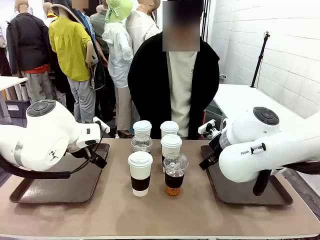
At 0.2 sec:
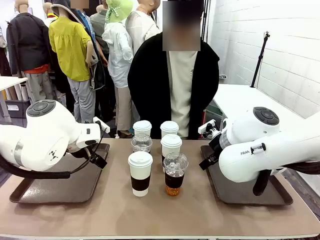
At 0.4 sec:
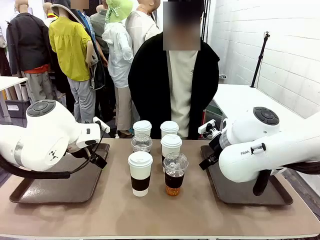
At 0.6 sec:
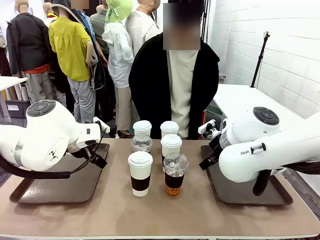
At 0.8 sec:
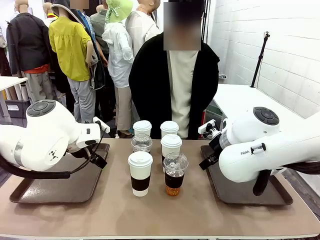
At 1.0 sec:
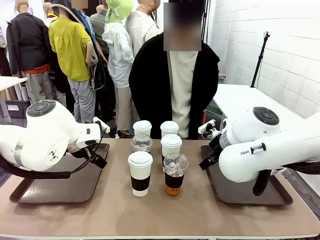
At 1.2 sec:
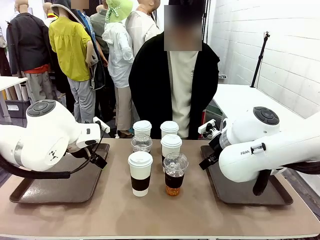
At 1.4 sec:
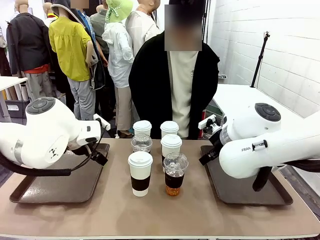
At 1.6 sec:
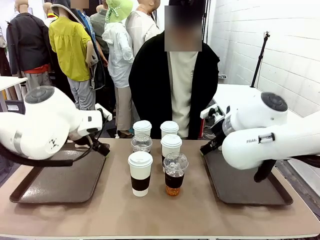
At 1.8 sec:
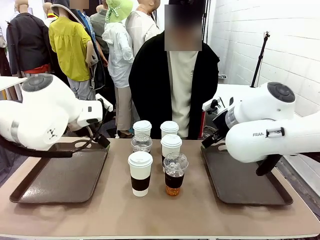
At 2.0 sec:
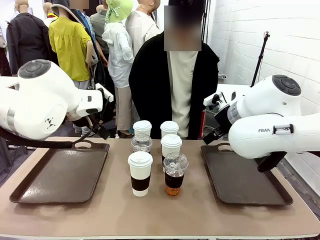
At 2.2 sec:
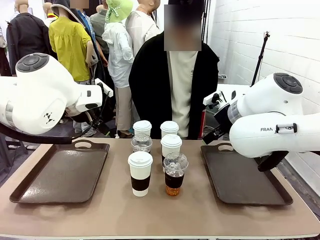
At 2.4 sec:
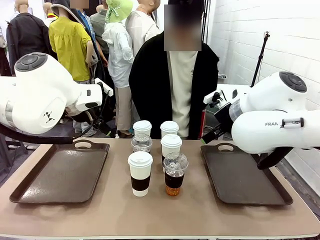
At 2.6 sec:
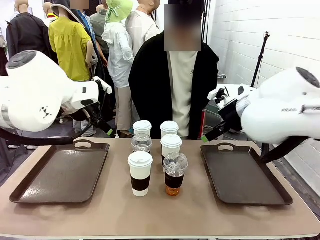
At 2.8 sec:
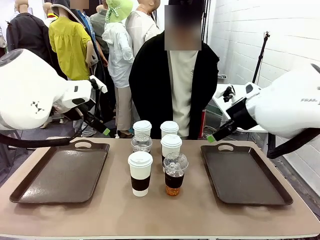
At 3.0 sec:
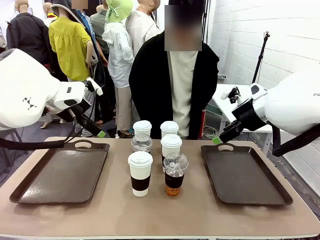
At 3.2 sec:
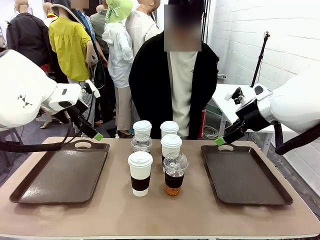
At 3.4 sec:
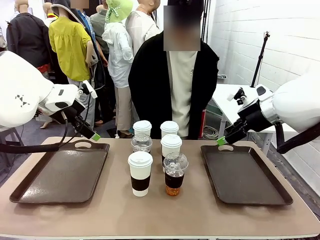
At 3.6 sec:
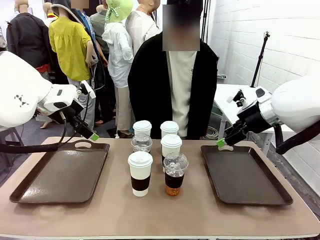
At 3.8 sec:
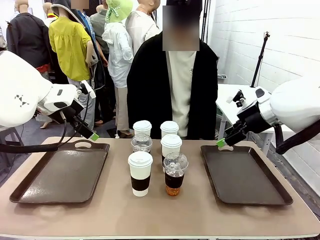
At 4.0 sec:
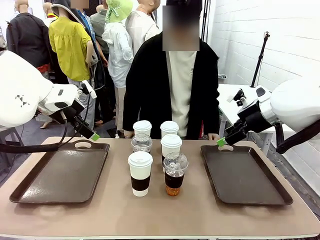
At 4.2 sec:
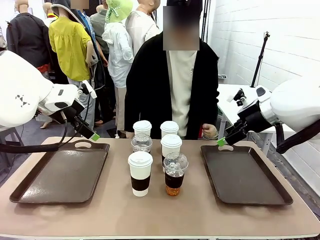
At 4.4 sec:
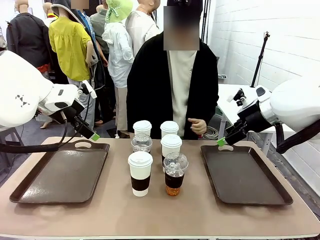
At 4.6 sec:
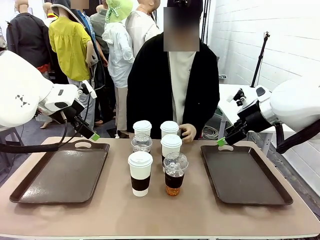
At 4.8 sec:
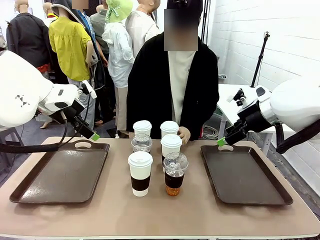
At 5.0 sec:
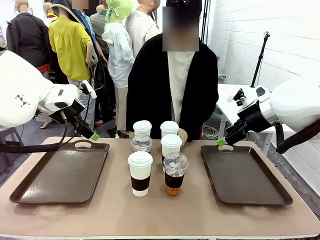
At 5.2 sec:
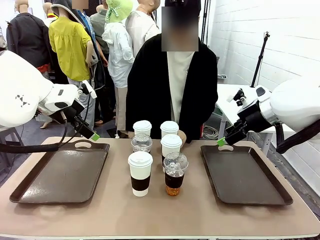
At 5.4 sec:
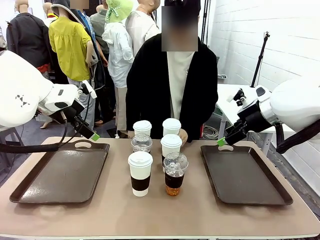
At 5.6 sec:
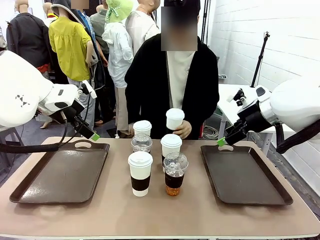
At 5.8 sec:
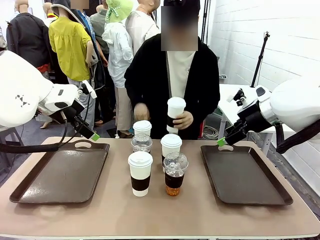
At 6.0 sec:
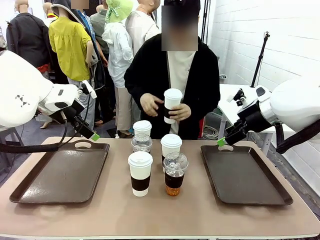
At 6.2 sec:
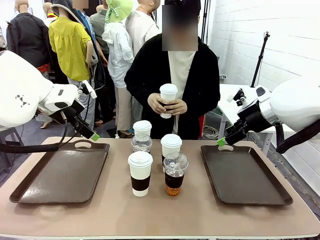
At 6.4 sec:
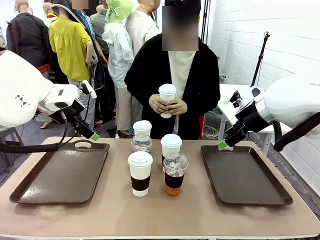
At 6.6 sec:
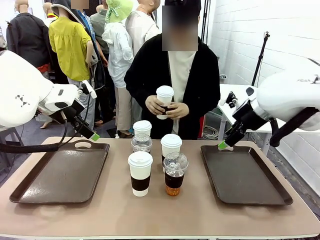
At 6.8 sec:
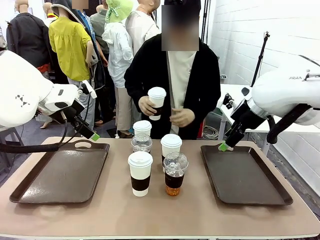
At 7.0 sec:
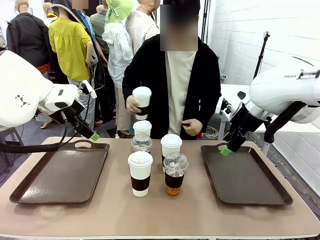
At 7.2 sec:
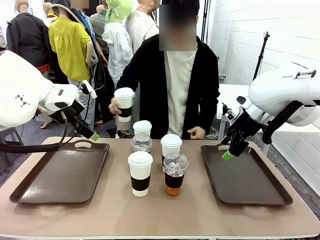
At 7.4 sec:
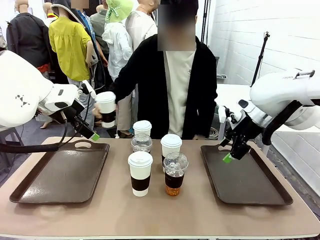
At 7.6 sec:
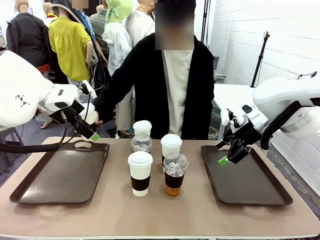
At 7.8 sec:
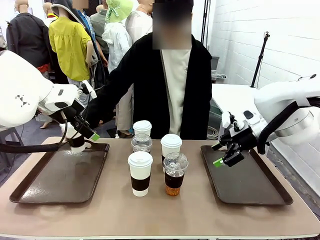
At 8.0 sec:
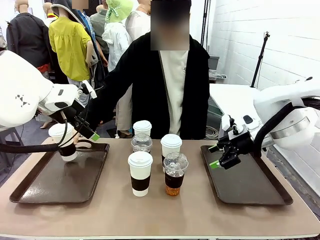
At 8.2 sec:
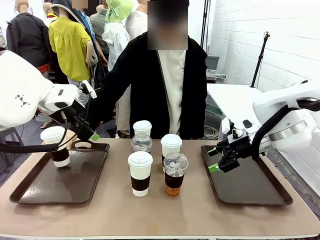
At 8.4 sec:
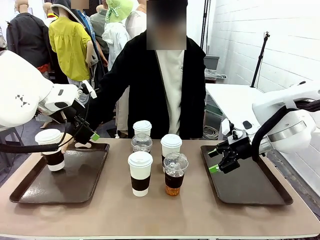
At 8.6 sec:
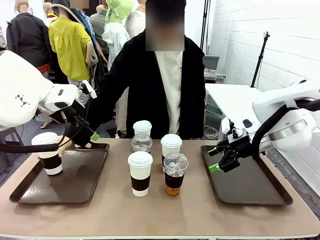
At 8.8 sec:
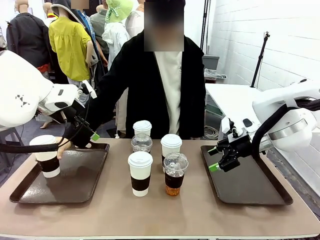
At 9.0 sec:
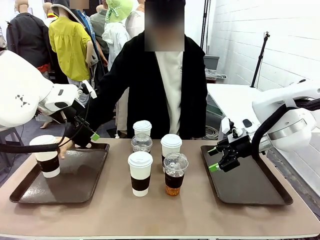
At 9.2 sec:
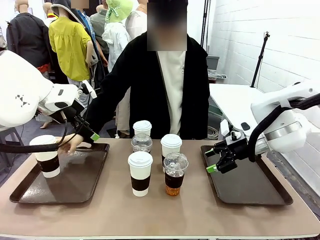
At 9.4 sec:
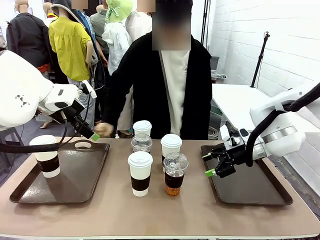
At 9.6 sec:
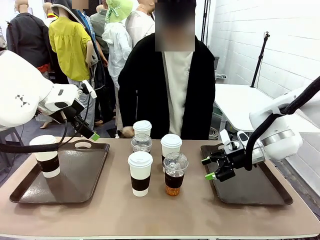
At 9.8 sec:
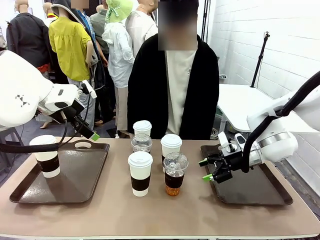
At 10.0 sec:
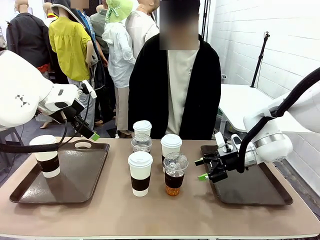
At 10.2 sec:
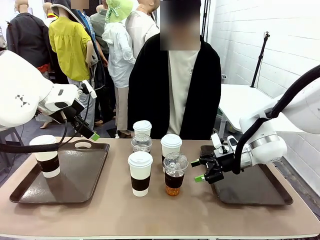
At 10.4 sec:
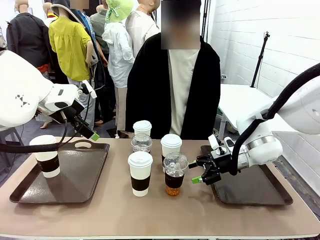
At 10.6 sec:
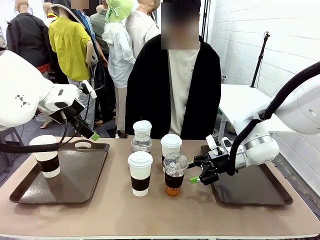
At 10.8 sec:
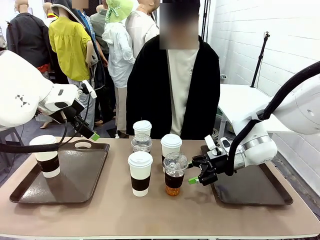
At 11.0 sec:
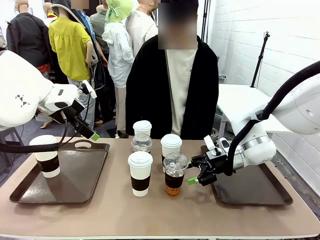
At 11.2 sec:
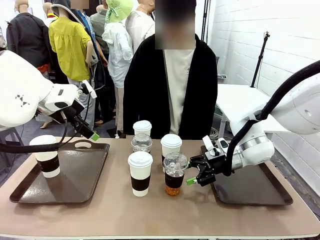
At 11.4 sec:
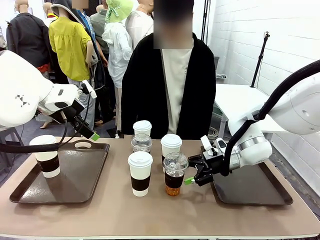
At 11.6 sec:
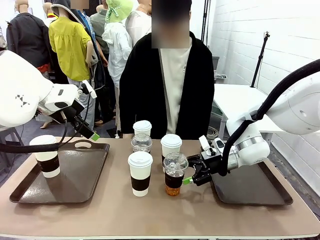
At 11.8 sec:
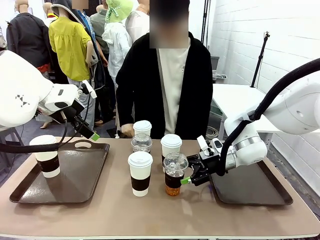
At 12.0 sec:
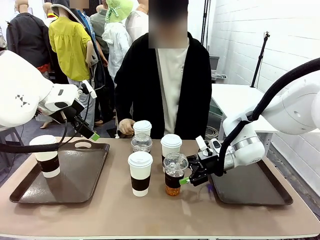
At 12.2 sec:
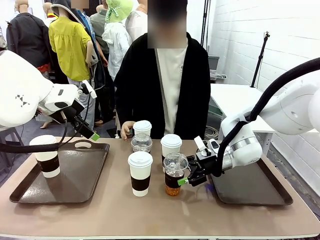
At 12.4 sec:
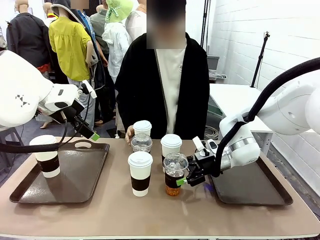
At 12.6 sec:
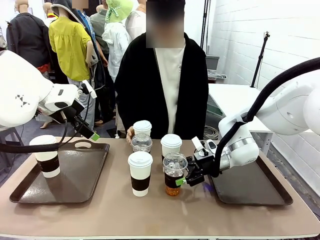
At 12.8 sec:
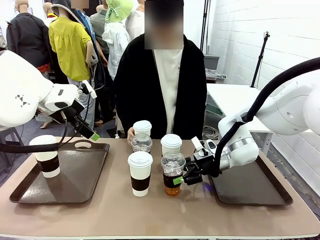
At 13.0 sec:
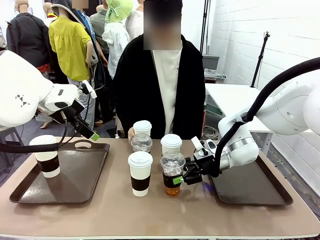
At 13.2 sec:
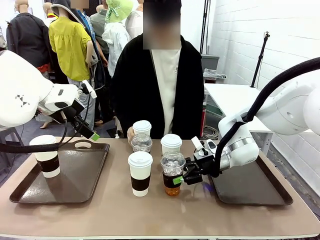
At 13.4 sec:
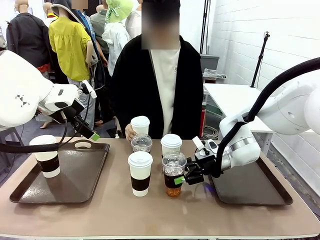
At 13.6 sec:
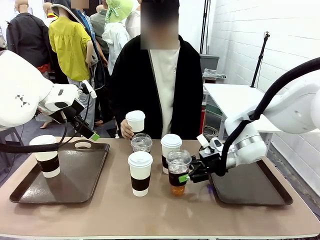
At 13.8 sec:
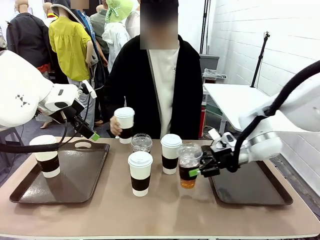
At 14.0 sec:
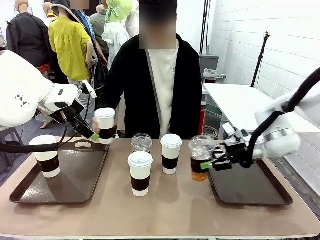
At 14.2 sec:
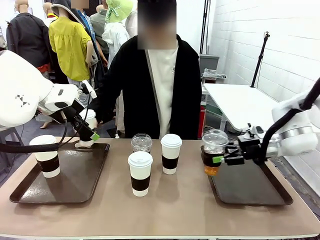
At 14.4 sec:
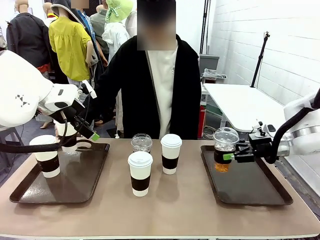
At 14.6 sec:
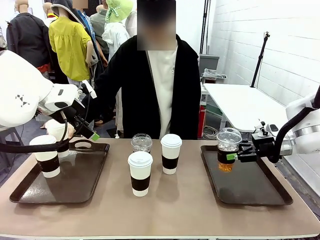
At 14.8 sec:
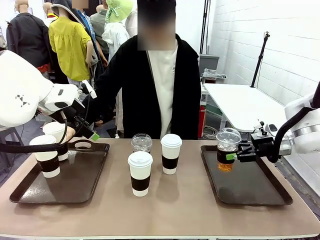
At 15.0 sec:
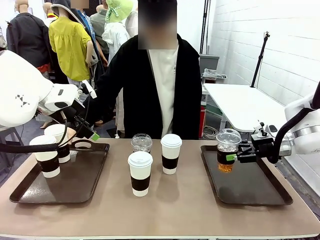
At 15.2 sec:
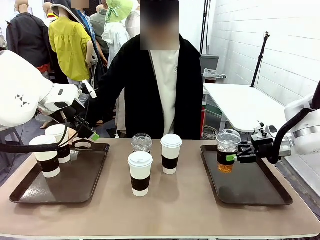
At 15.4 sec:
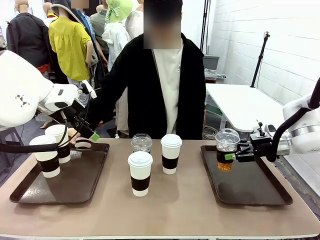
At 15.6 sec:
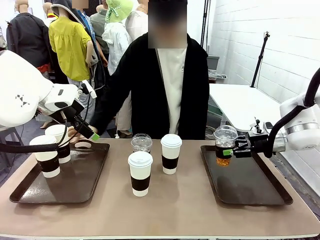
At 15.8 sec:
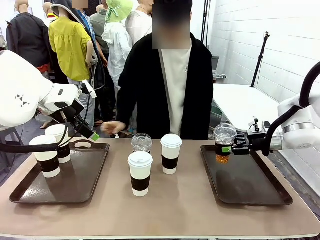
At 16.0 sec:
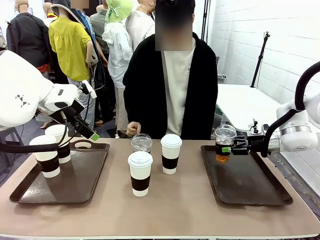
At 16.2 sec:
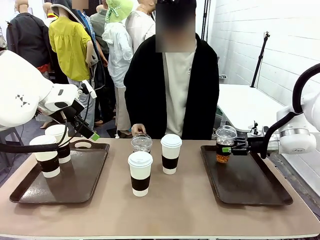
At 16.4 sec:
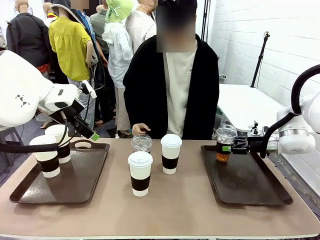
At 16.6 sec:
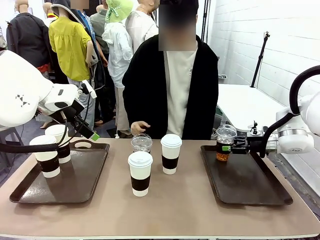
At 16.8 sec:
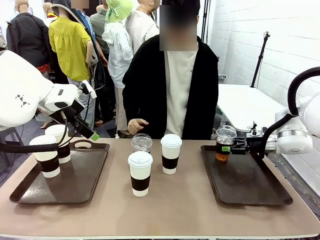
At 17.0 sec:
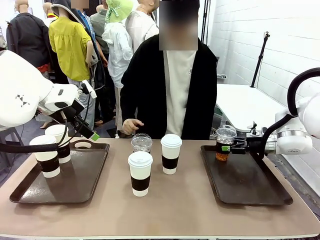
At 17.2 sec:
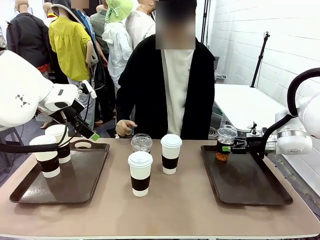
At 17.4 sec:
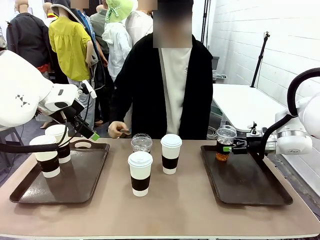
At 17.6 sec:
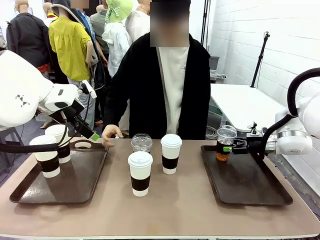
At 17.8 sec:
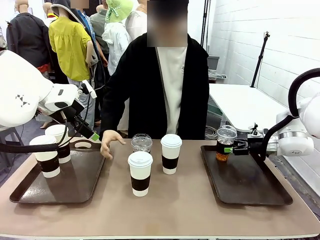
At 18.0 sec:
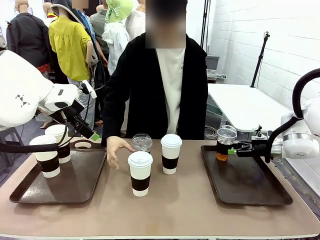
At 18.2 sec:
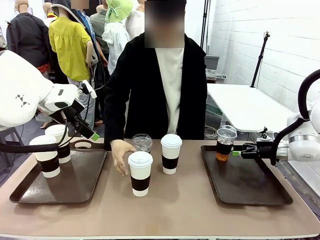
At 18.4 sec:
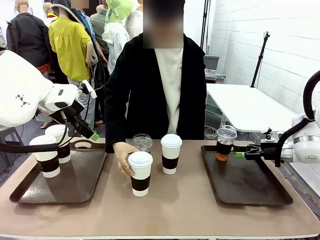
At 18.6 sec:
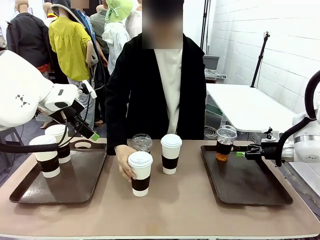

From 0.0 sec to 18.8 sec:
Task: Distribute the coffee onto the tray.
Robot: Pick up one iced Americano and place it on the right Handle tray.
Person: Pick up a cup of hot Americano and place it on the right tray.
